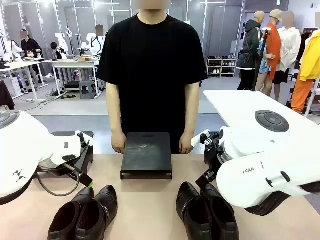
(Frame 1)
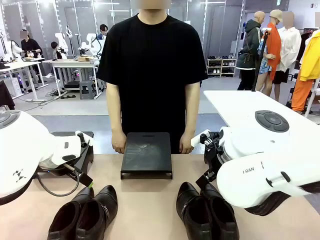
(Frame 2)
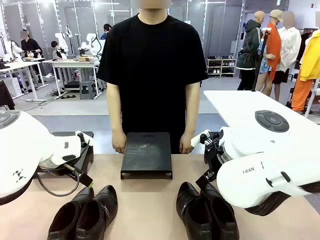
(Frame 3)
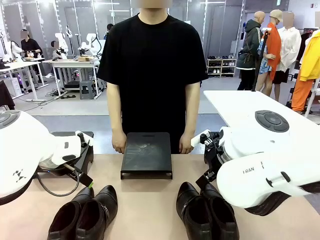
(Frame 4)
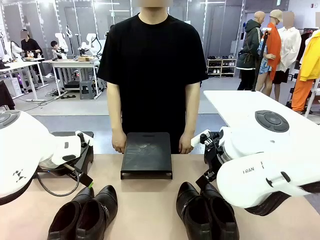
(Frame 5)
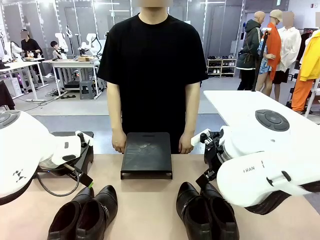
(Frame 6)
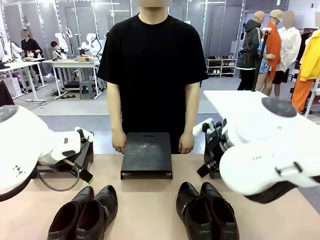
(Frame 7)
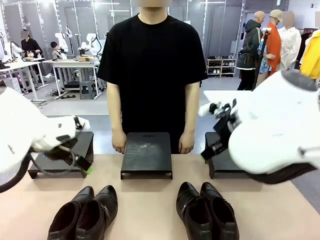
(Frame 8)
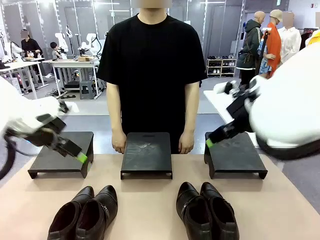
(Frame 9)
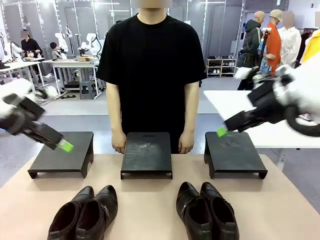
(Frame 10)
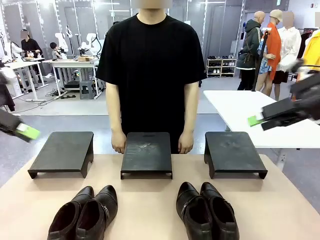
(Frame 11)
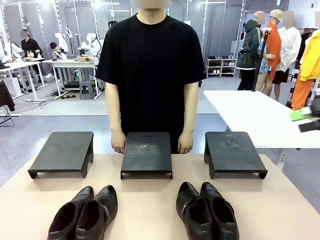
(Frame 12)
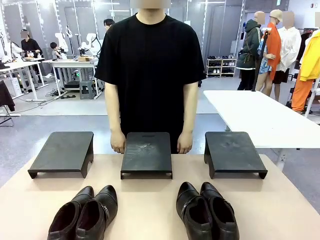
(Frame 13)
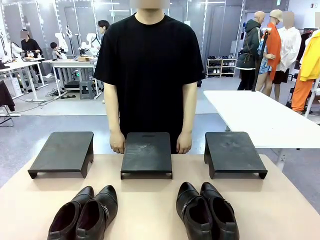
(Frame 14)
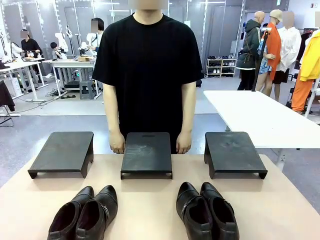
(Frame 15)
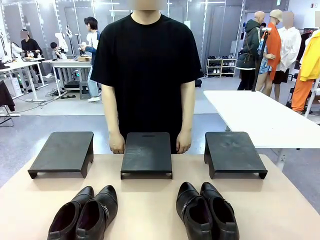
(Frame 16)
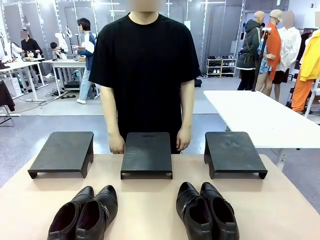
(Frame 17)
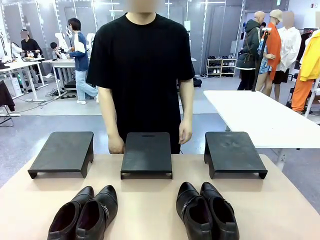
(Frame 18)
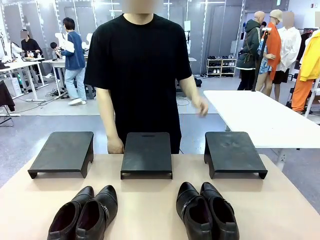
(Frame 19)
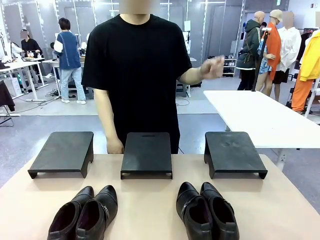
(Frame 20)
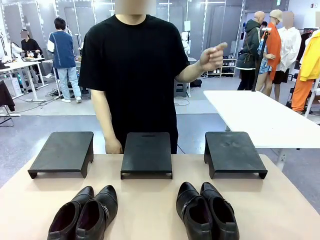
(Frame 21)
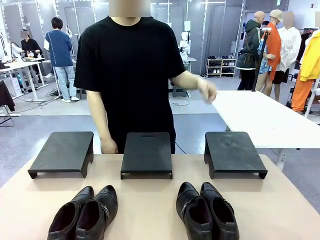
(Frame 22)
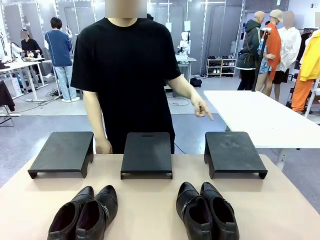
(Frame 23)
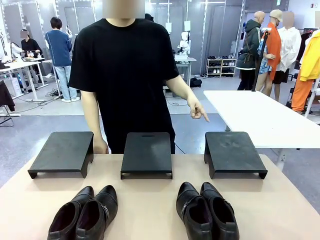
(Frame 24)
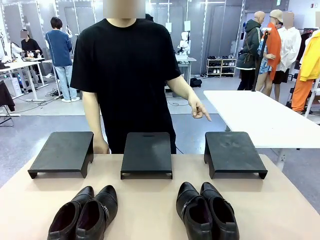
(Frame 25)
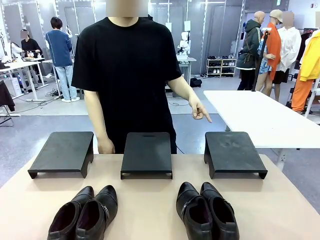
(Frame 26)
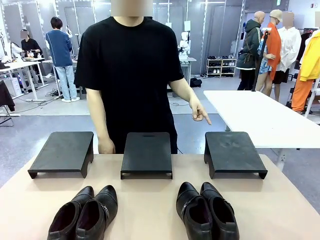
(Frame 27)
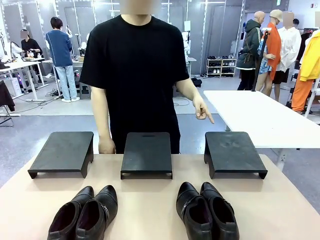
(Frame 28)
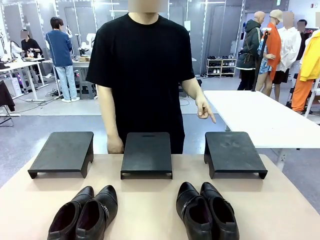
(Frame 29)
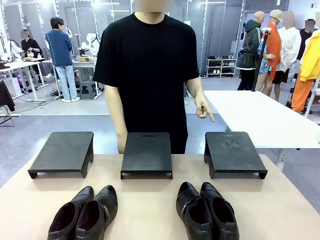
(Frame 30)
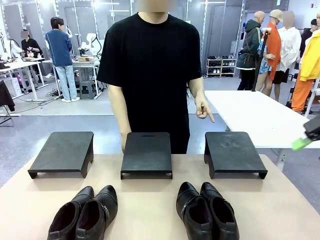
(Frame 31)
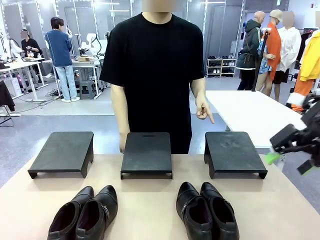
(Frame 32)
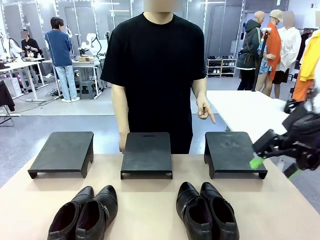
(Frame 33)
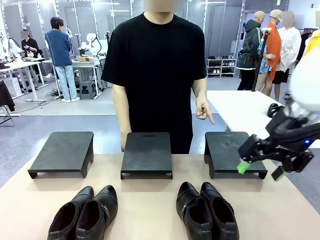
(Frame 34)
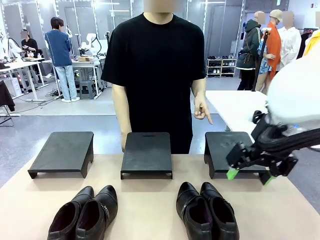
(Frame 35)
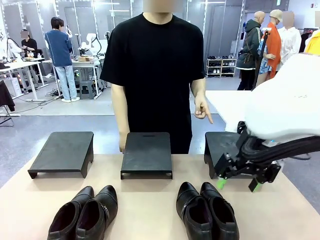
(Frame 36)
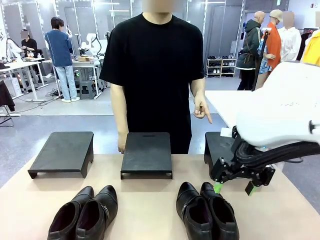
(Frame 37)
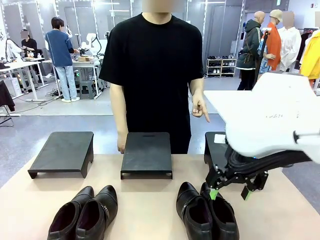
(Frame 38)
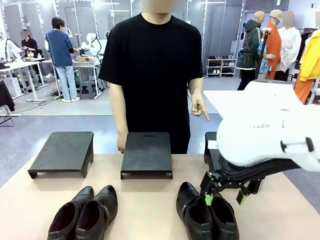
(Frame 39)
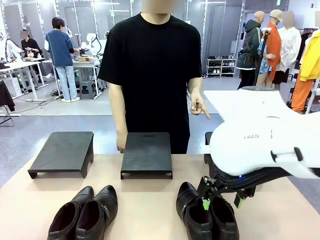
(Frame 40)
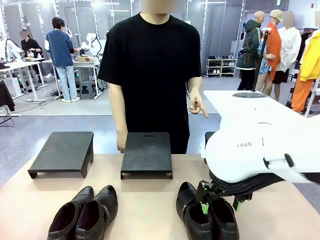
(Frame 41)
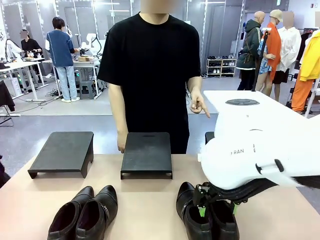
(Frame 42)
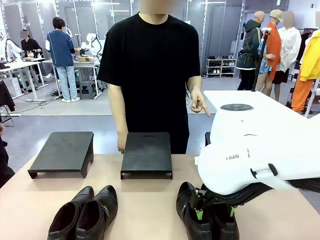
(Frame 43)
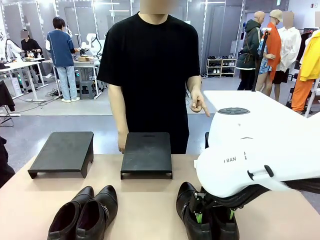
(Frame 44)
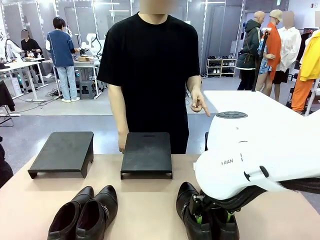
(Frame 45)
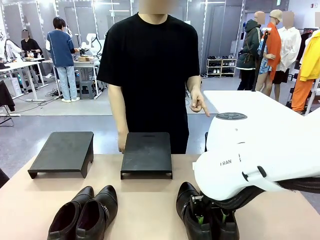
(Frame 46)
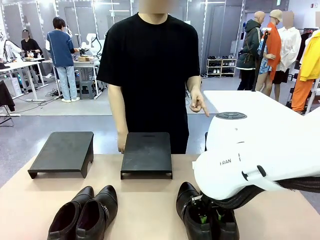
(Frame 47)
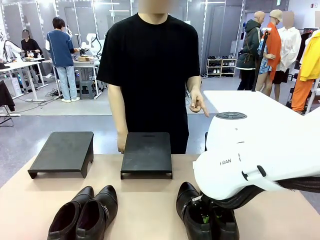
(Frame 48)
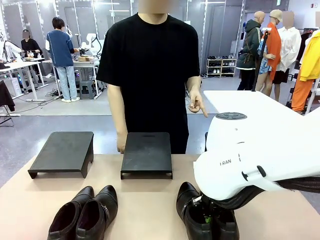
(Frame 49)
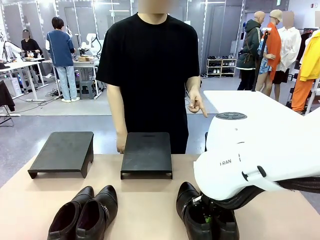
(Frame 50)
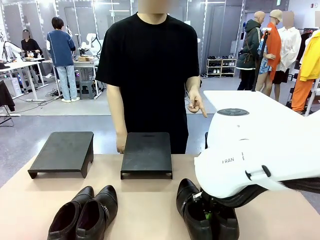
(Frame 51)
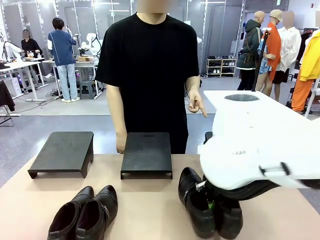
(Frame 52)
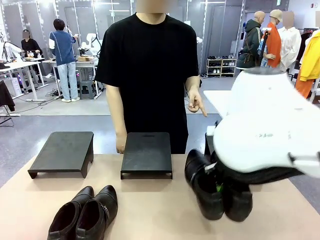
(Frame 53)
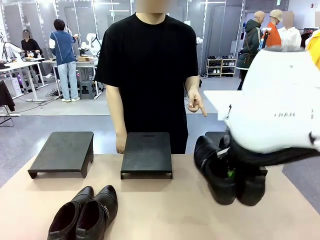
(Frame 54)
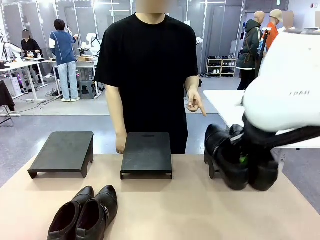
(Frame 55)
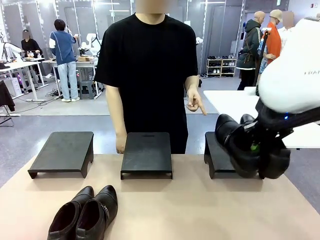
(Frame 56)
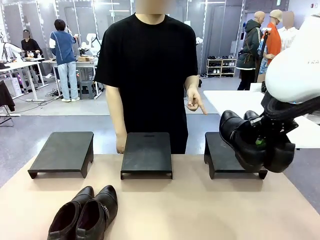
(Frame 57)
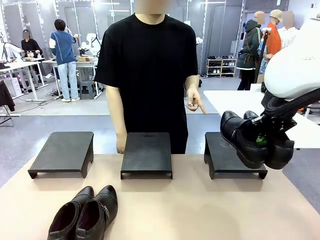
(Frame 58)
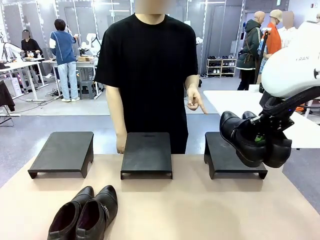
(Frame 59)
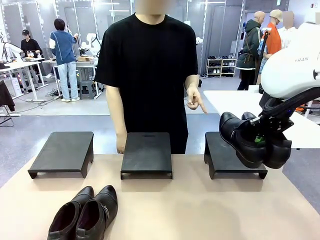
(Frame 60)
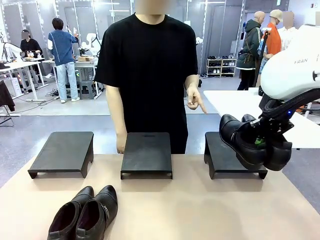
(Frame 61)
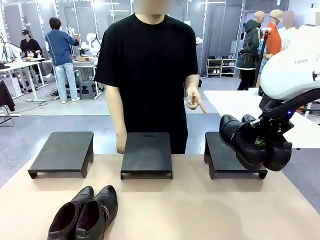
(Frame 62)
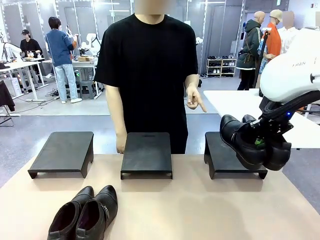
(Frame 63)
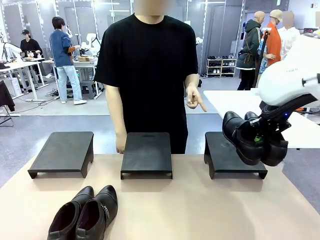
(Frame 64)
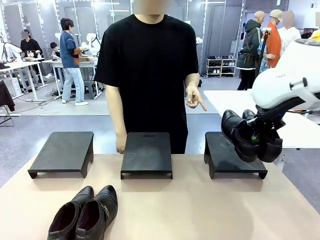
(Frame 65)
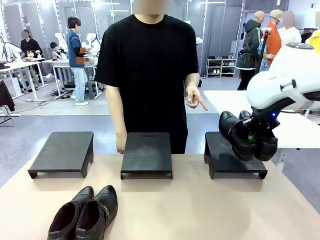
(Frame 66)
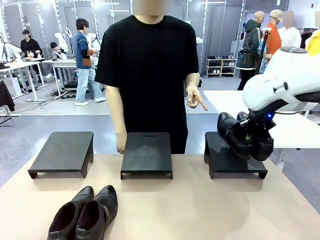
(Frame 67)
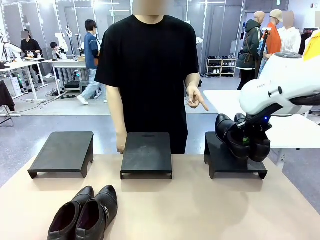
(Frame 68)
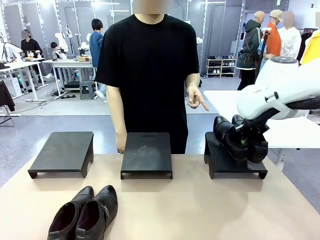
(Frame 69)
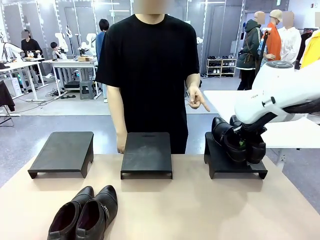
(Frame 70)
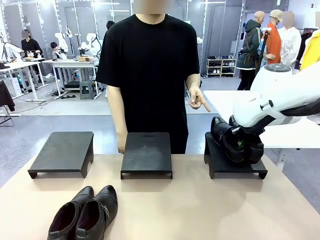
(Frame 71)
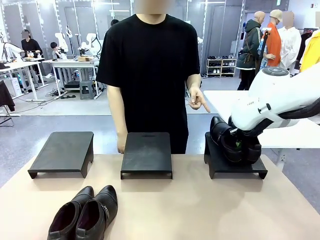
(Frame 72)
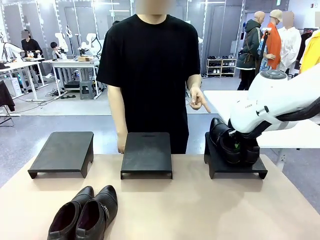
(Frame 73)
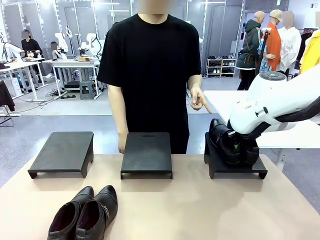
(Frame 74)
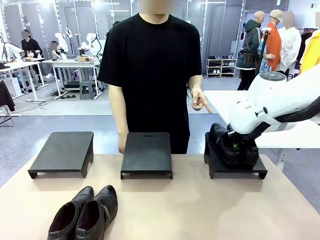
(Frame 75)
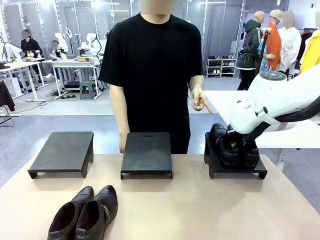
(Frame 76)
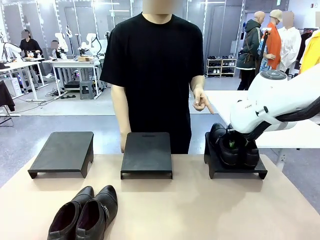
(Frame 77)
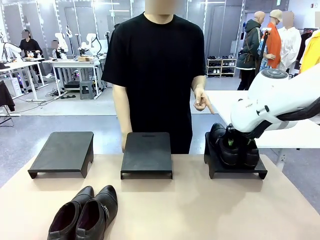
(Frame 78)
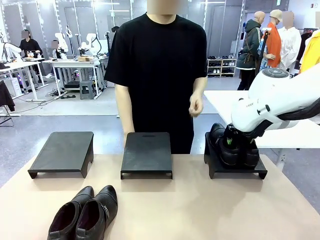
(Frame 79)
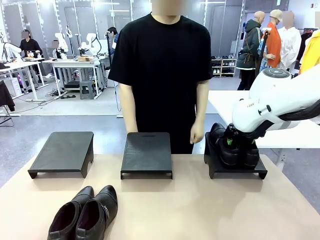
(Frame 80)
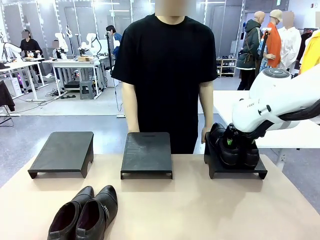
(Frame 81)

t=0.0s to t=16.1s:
Task: Place the shoes on the stand as instructed by the person.
Robot: Pick up one pair of Shoes and place it on the Shoes Stand indicated by the person.
